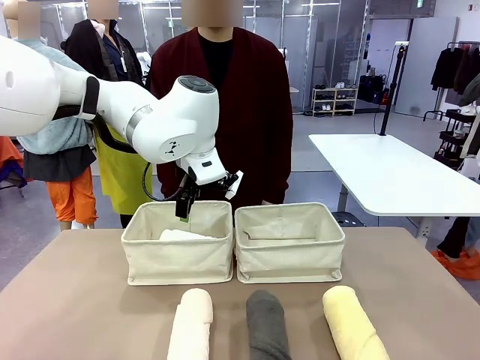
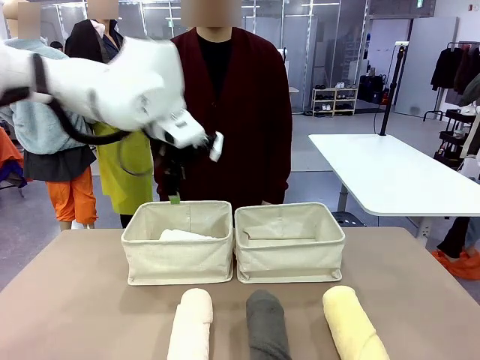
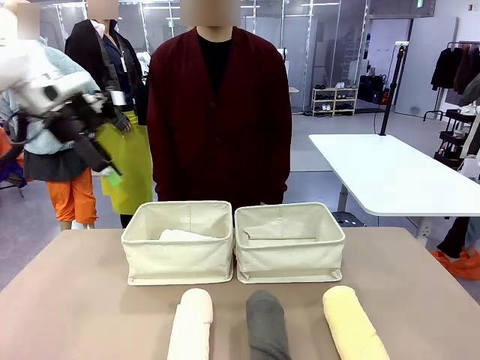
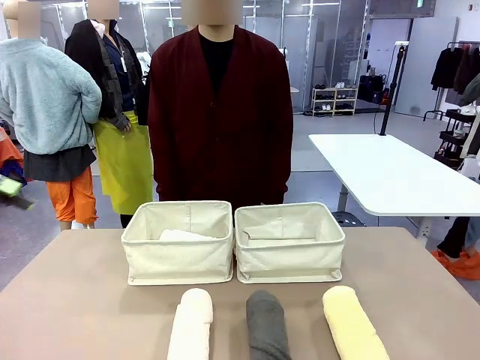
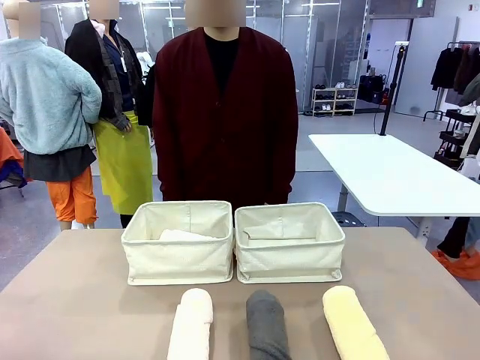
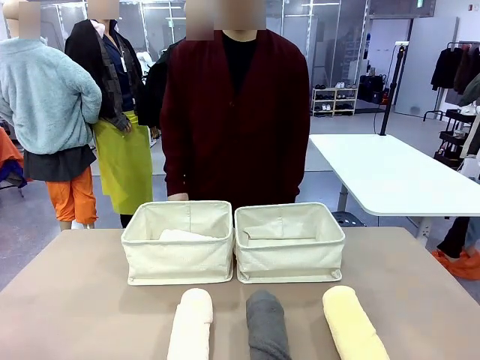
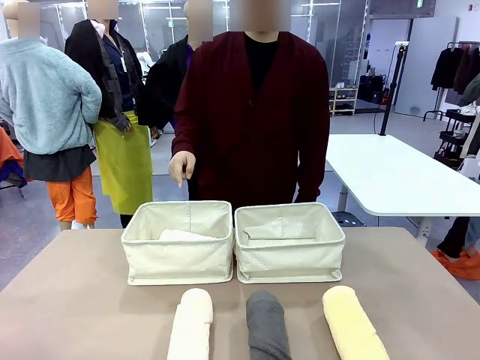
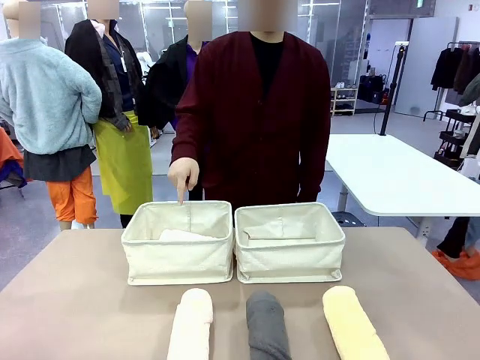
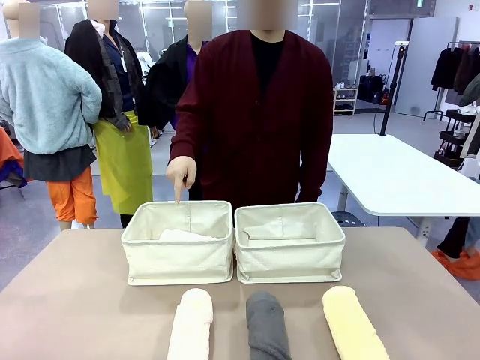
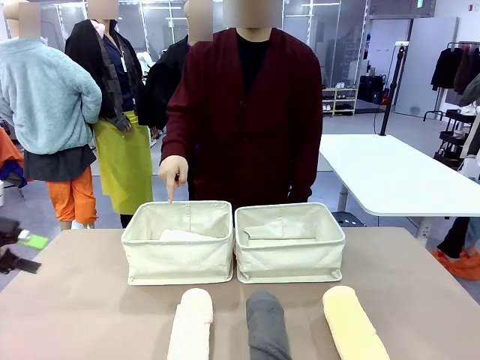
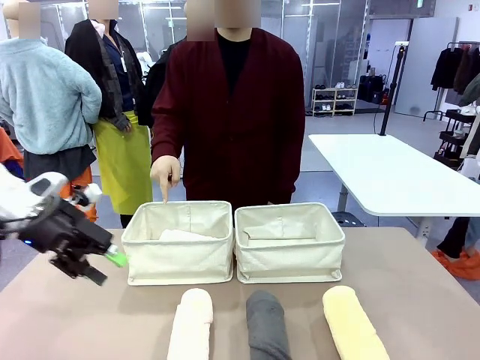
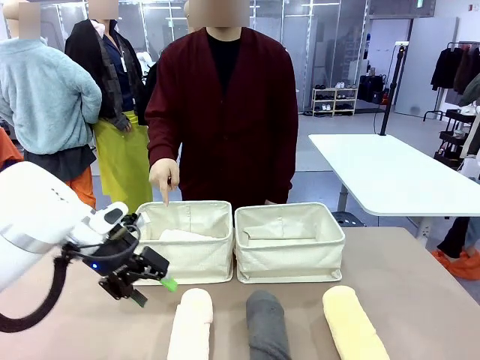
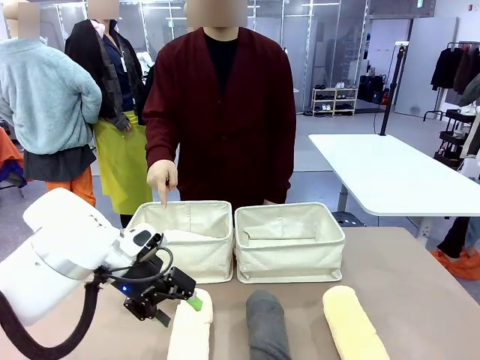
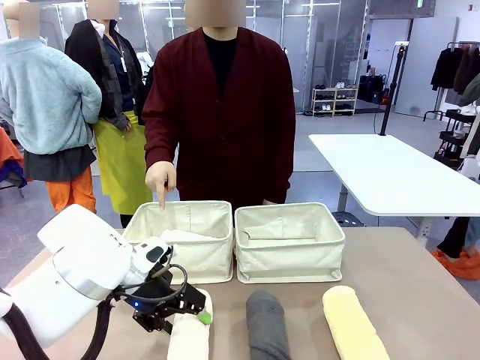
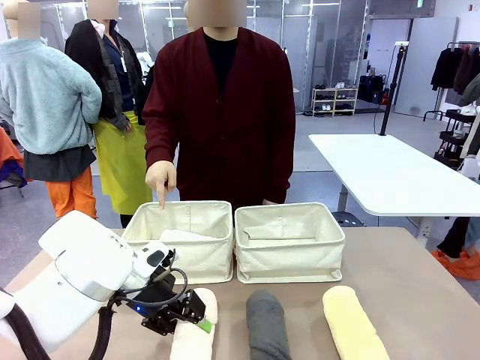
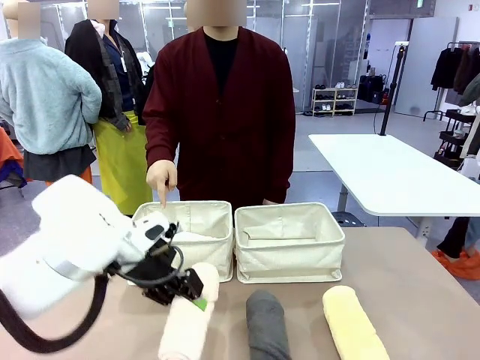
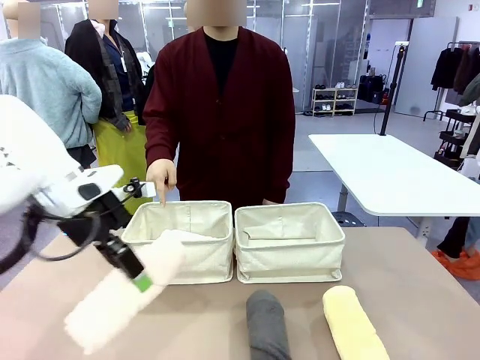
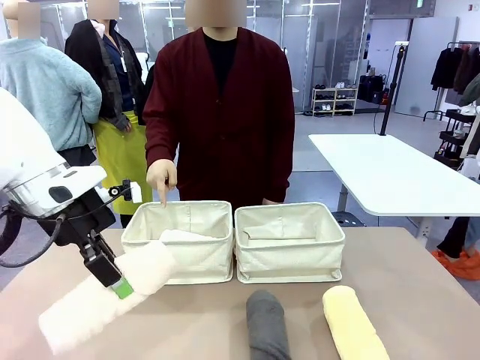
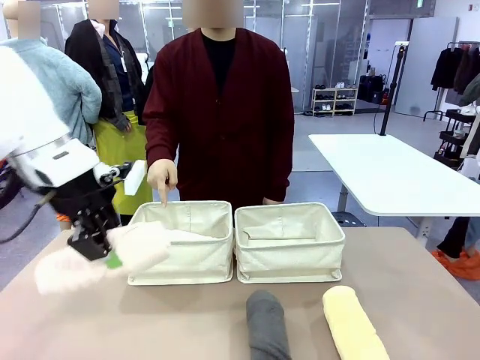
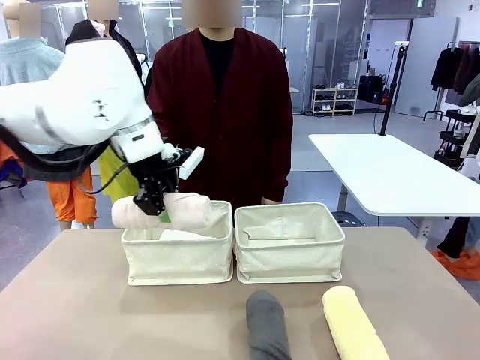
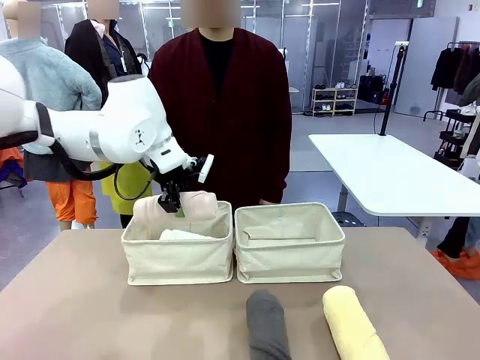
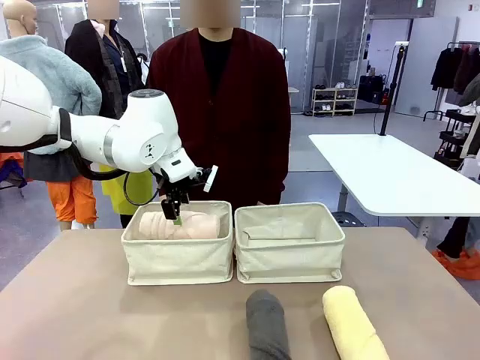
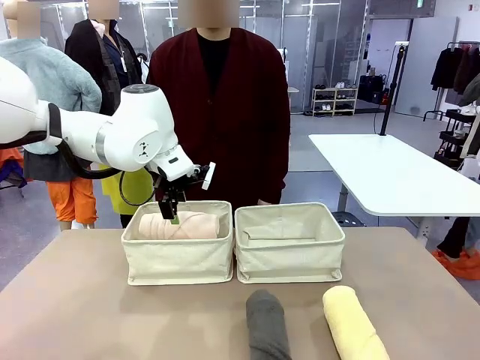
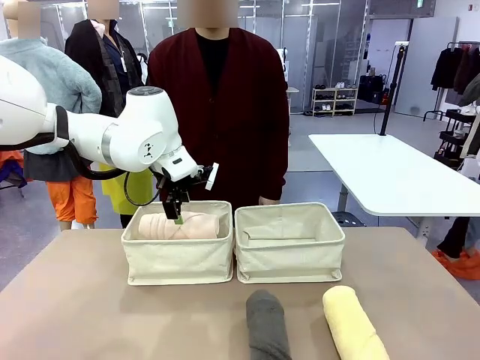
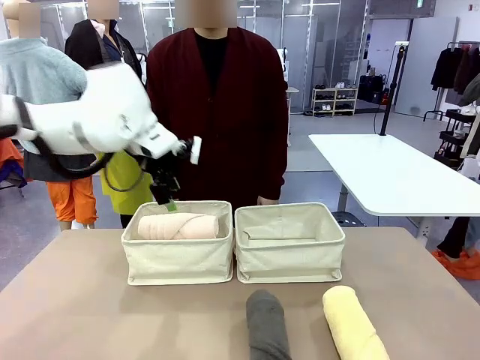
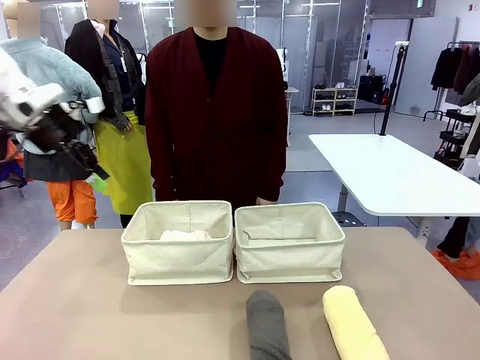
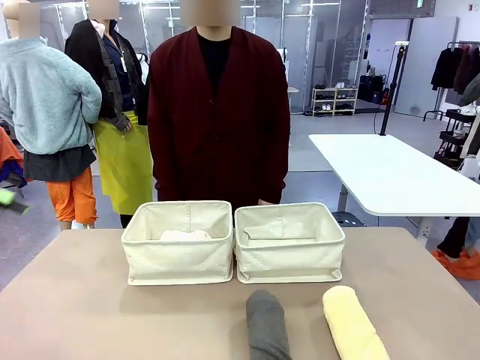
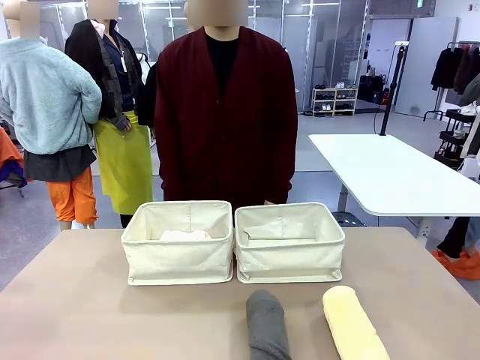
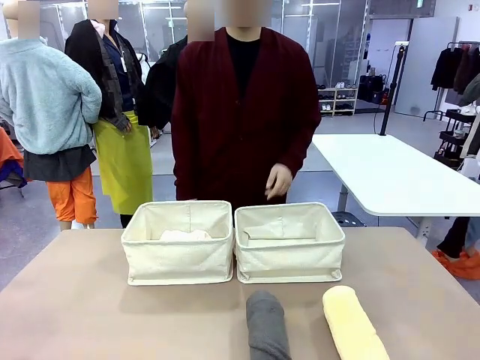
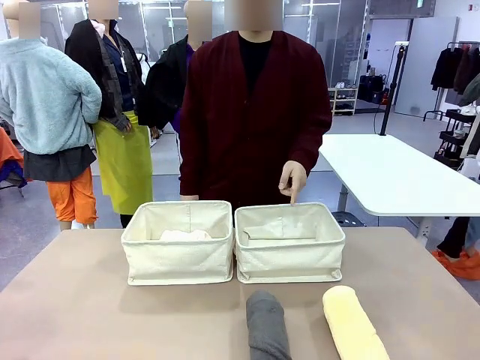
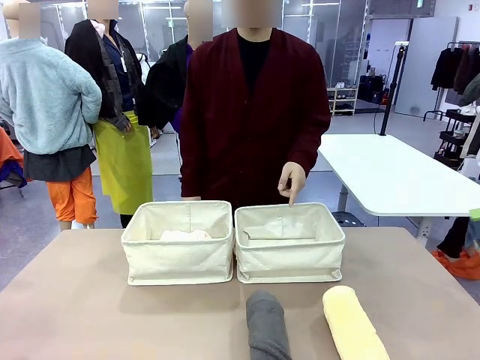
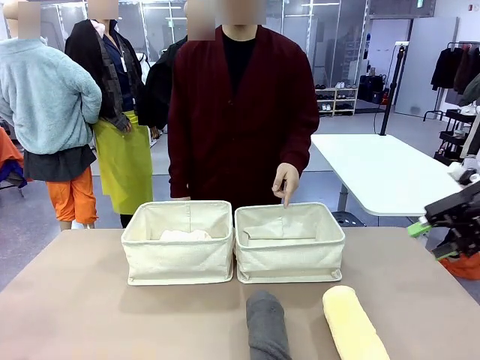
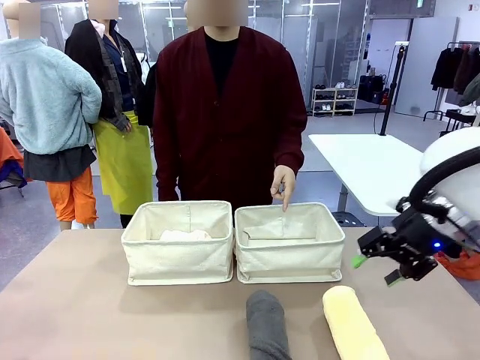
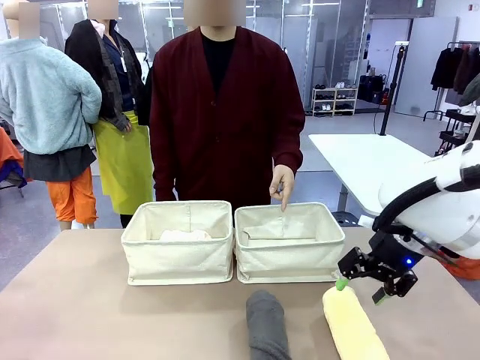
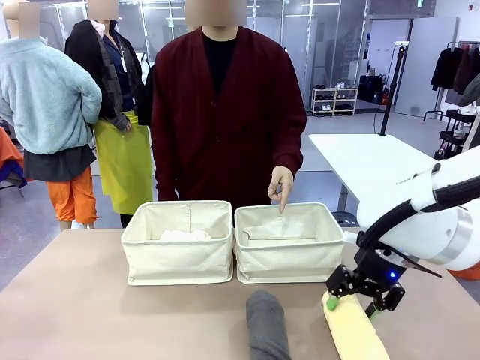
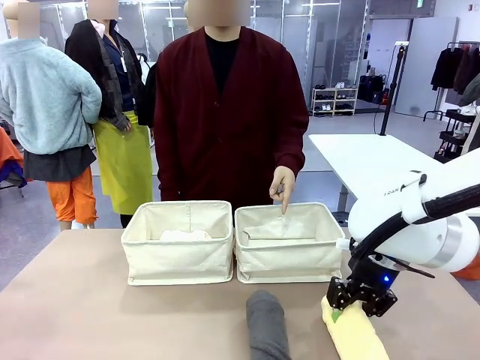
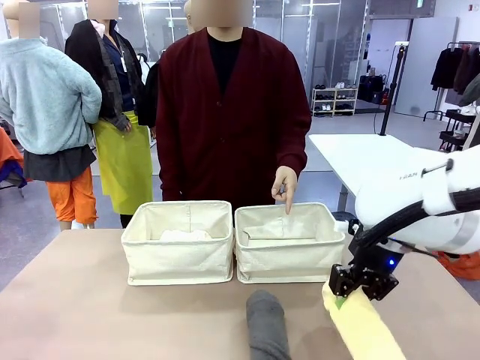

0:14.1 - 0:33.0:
Task: Divide the towels into two baskets.
Robot: Pick up one hotel-folded towel from the bottom of the table and place it in the Fabric basket indicated by the person.

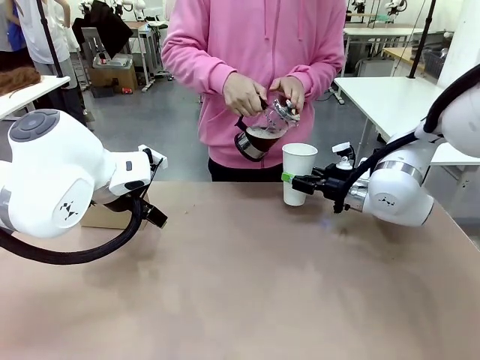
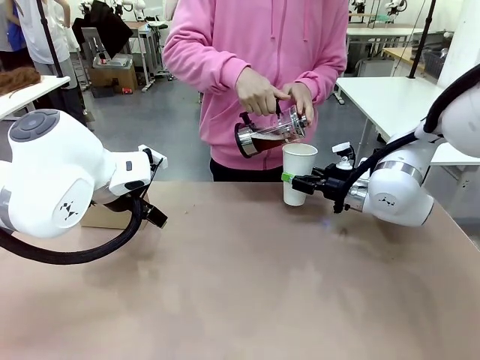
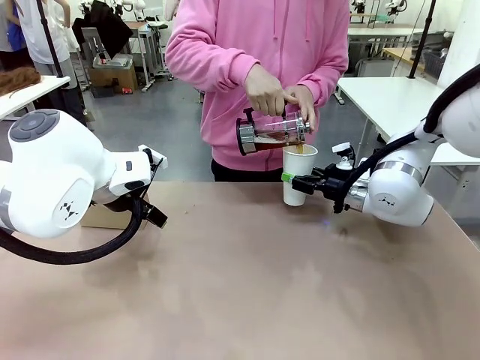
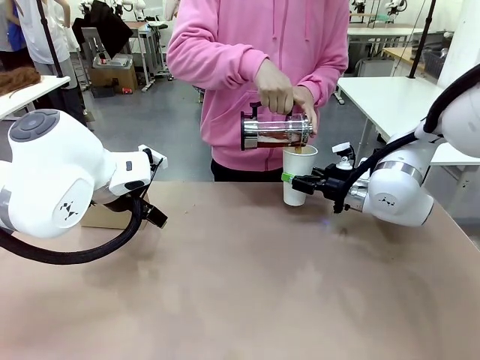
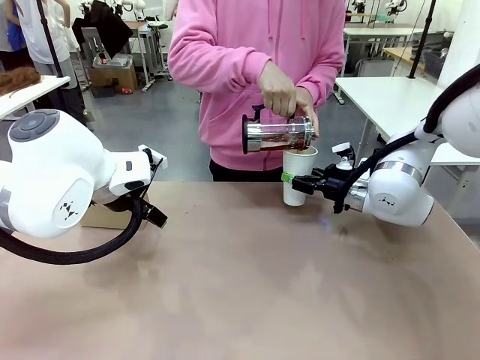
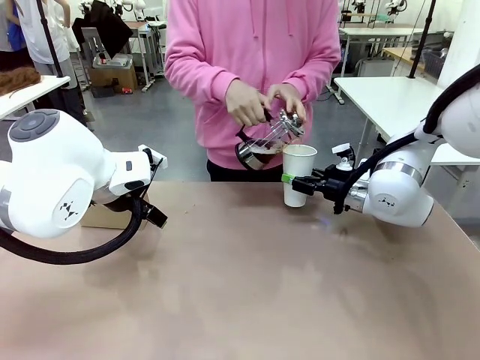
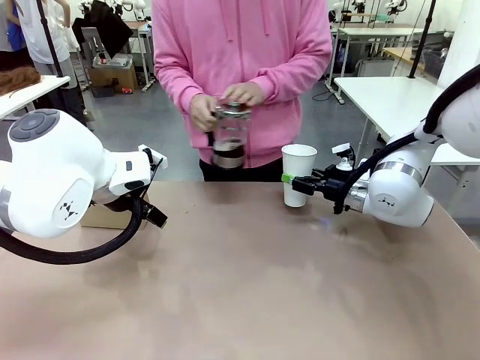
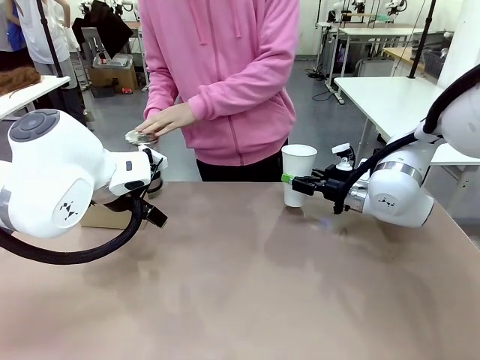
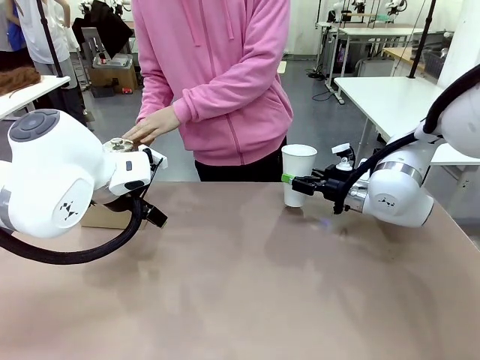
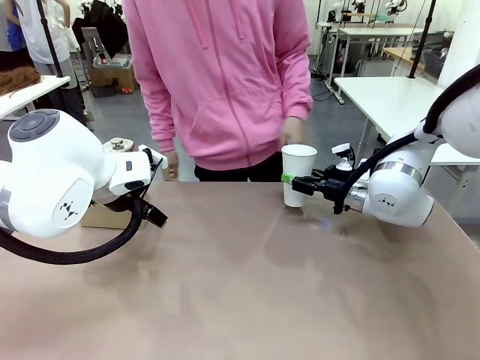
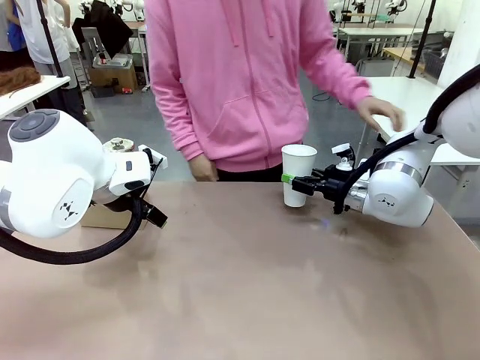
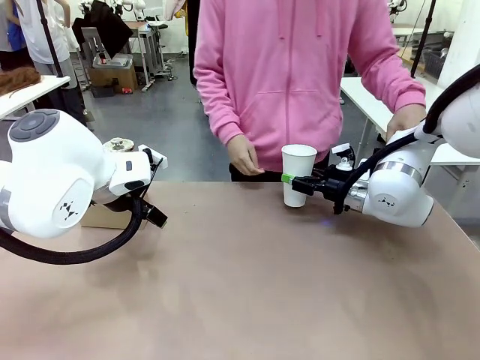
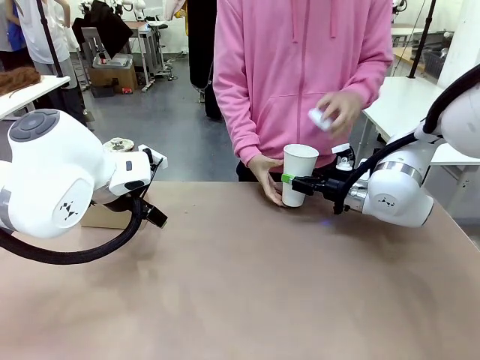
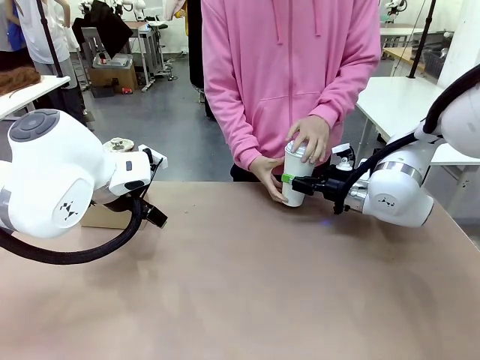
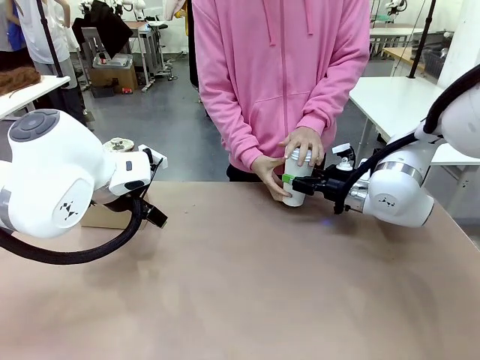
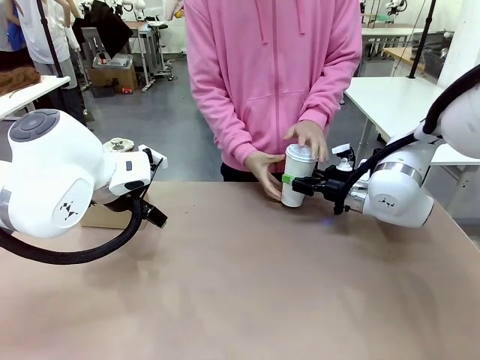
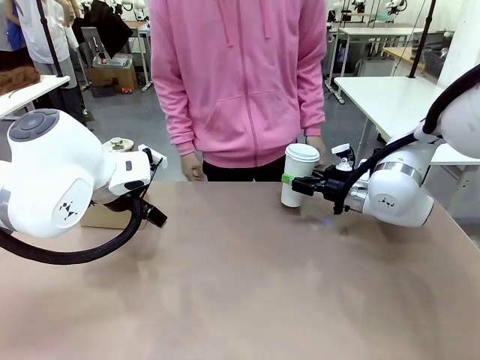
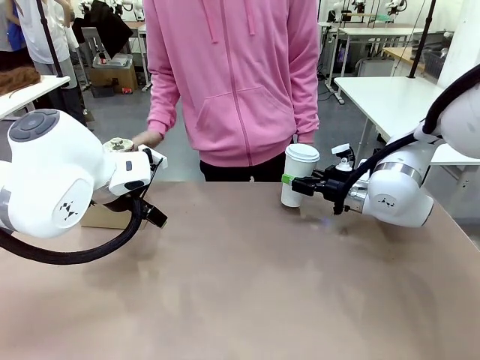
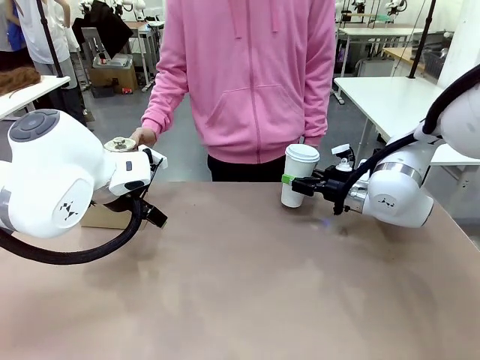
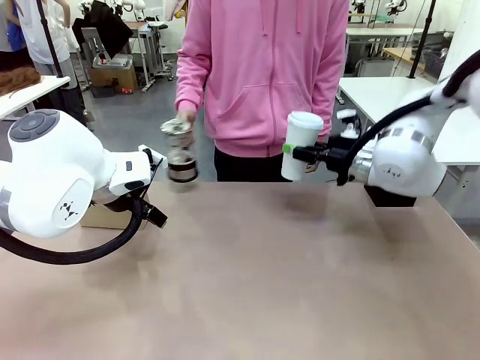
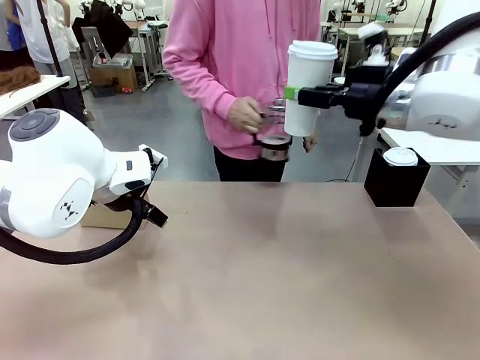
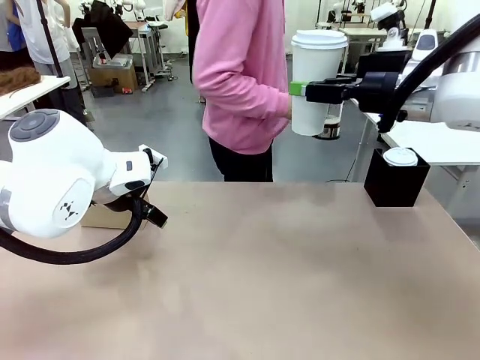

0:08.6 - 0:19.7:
Task: Pour a drink into a cup and package it in a carrier.
Robot: When a person places the Paper Cup Lid on the 600 ml Paper Cup , lift the 600 ml Paper Cup.
Person: Pour the drink from the Filter Brewing into the 600 ml Paper Cup. Place a Paper Cup Lid on the 600 ml Paper Cup.
